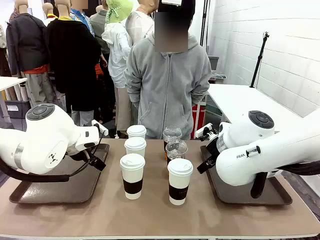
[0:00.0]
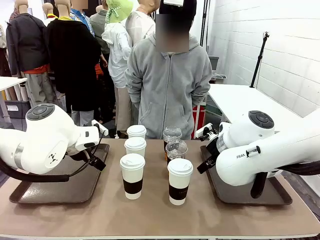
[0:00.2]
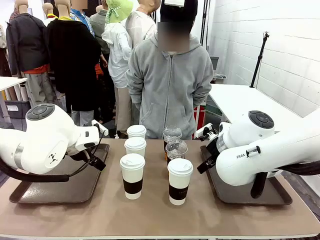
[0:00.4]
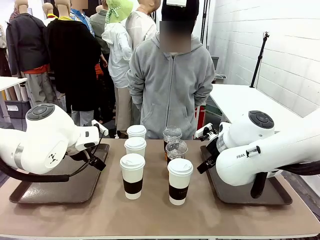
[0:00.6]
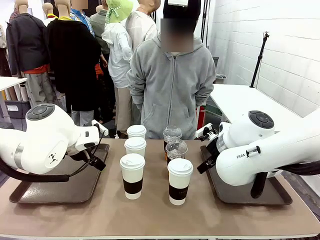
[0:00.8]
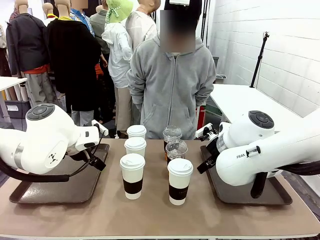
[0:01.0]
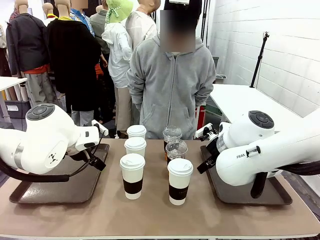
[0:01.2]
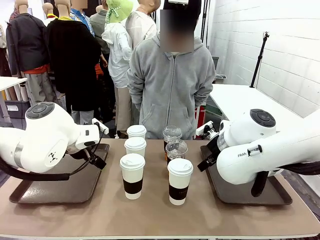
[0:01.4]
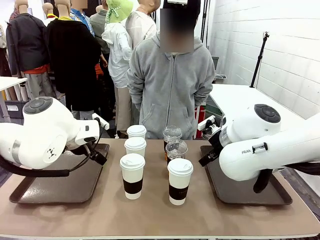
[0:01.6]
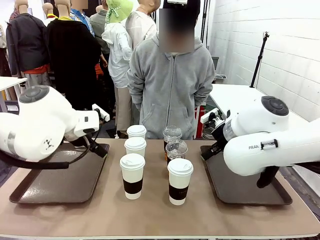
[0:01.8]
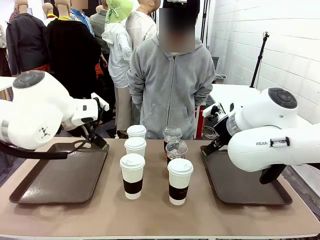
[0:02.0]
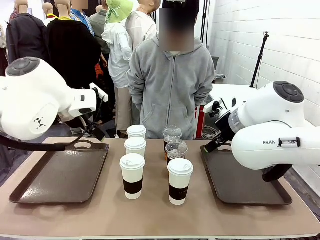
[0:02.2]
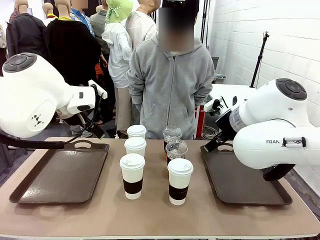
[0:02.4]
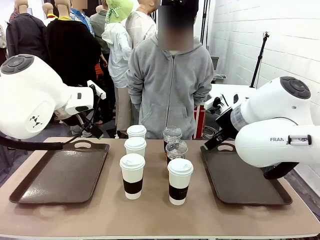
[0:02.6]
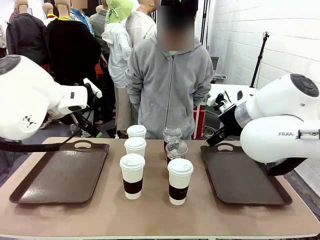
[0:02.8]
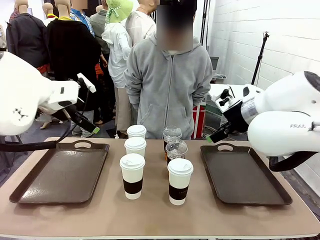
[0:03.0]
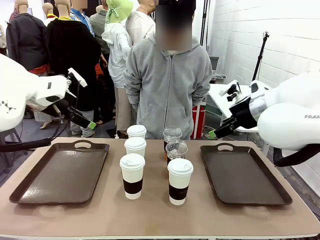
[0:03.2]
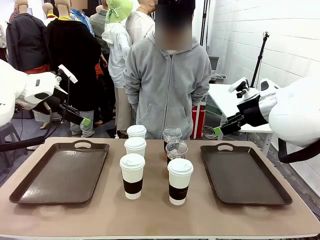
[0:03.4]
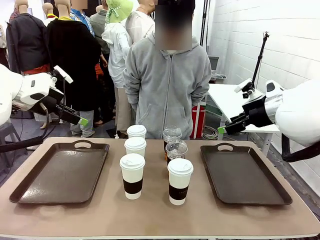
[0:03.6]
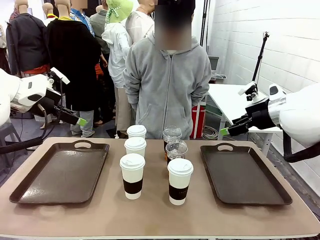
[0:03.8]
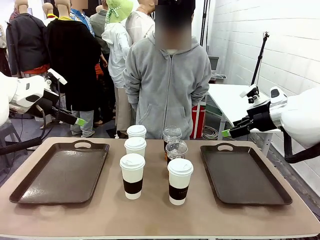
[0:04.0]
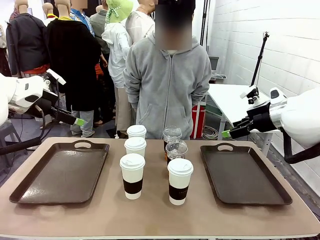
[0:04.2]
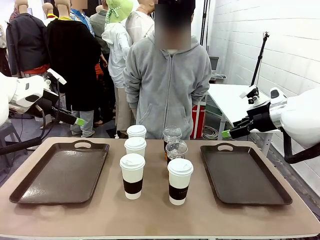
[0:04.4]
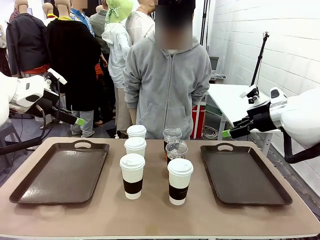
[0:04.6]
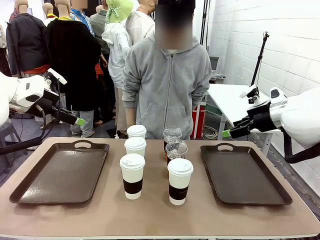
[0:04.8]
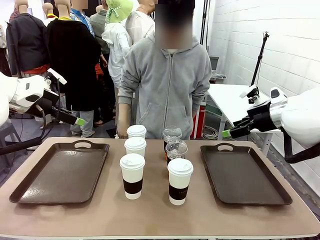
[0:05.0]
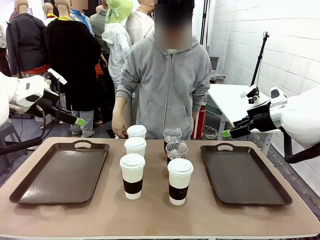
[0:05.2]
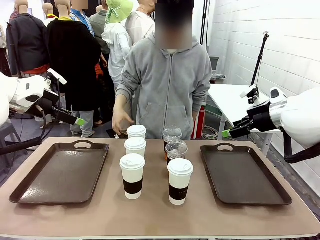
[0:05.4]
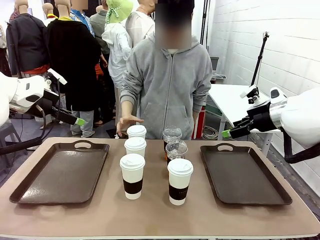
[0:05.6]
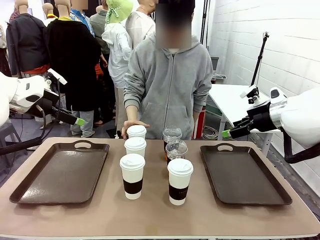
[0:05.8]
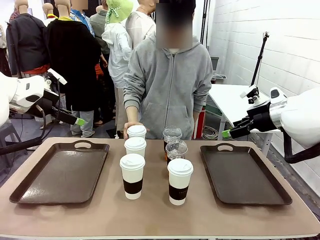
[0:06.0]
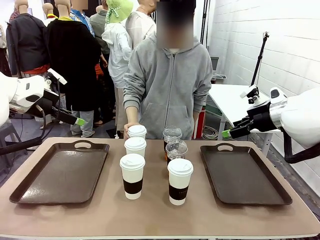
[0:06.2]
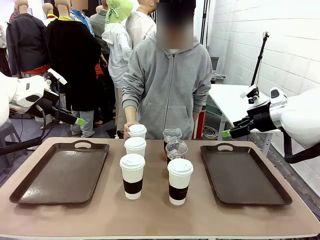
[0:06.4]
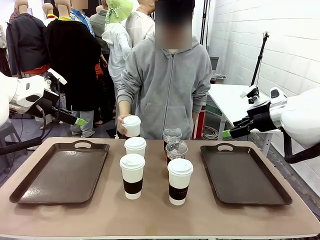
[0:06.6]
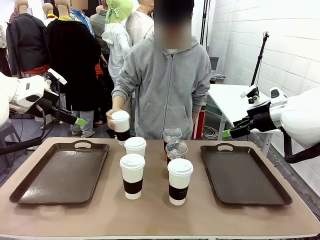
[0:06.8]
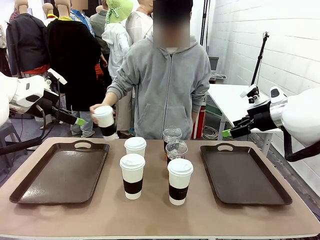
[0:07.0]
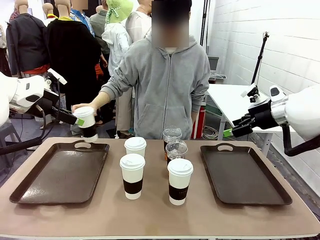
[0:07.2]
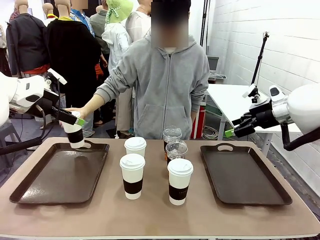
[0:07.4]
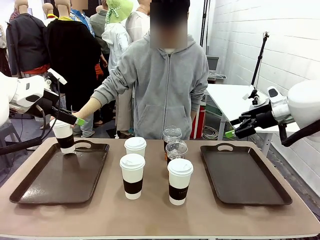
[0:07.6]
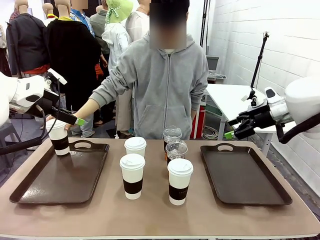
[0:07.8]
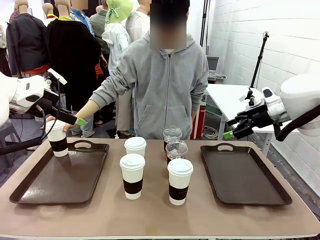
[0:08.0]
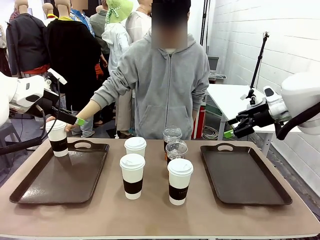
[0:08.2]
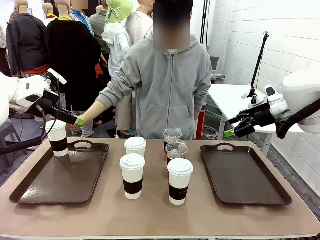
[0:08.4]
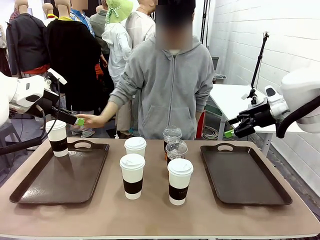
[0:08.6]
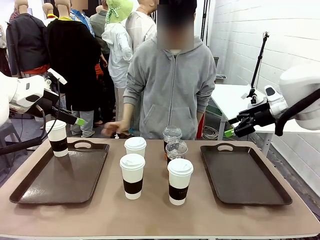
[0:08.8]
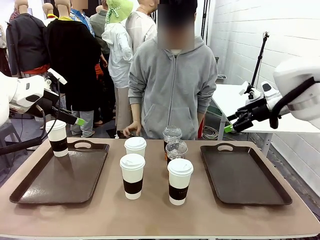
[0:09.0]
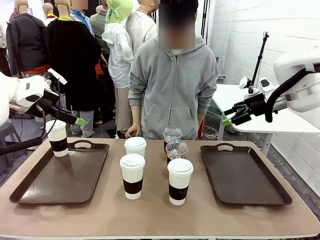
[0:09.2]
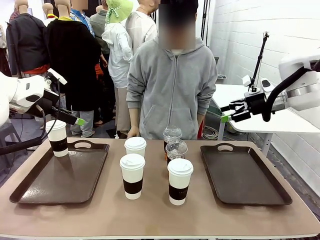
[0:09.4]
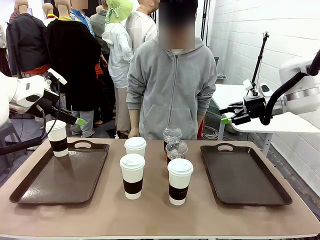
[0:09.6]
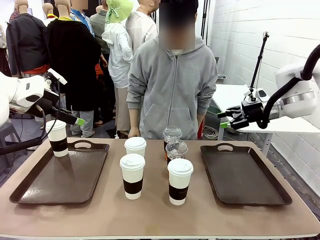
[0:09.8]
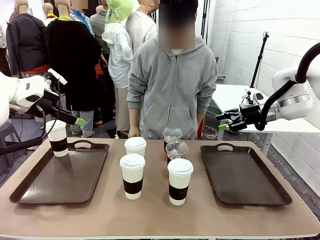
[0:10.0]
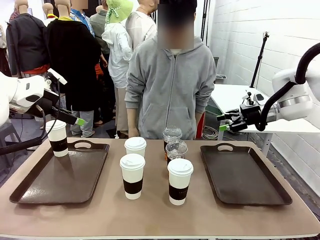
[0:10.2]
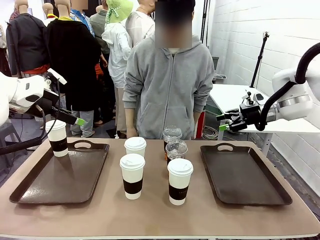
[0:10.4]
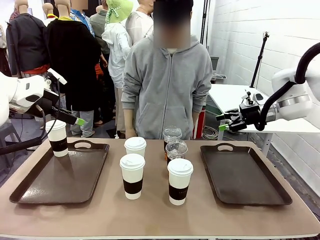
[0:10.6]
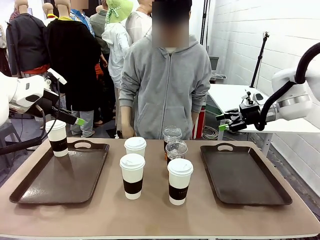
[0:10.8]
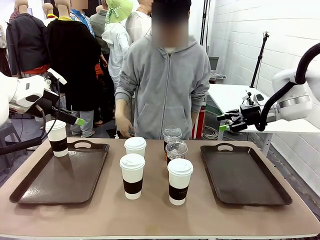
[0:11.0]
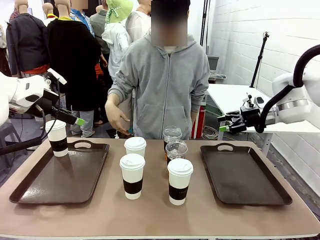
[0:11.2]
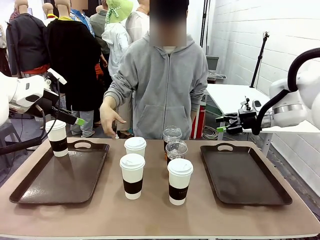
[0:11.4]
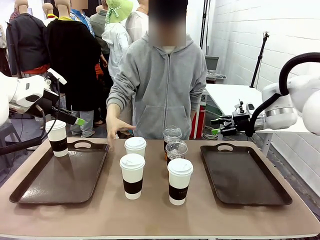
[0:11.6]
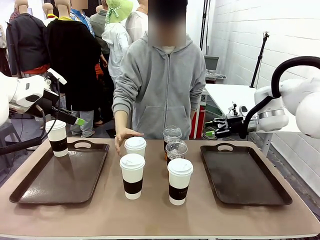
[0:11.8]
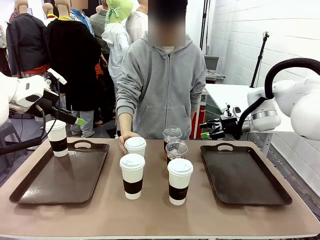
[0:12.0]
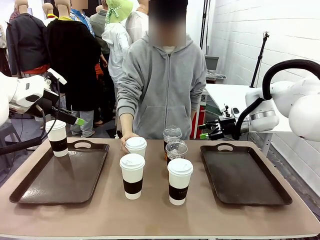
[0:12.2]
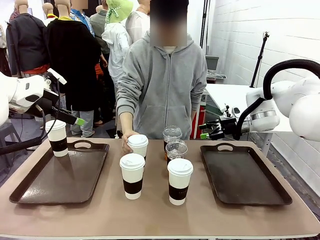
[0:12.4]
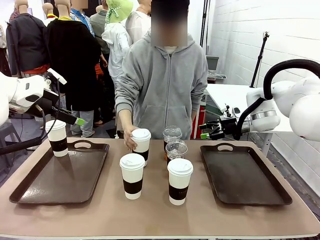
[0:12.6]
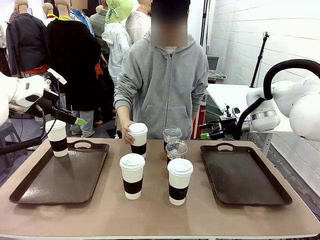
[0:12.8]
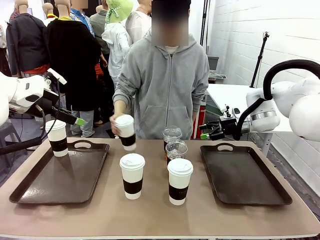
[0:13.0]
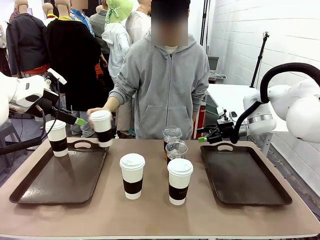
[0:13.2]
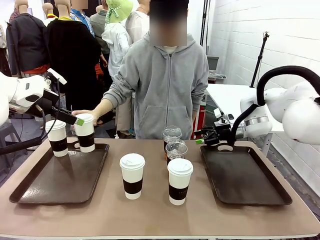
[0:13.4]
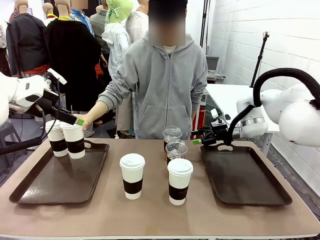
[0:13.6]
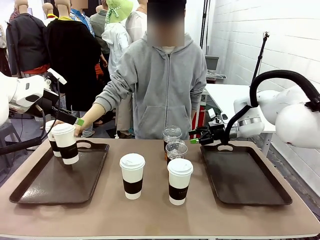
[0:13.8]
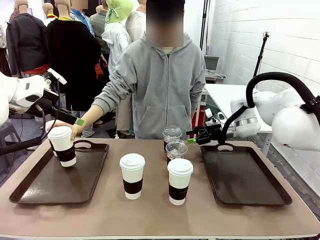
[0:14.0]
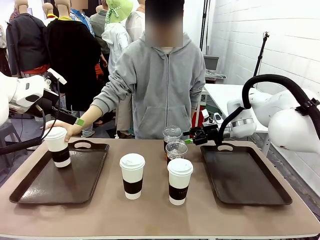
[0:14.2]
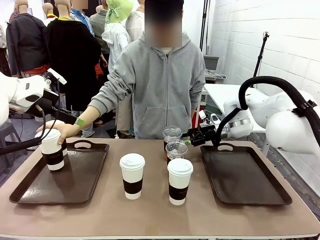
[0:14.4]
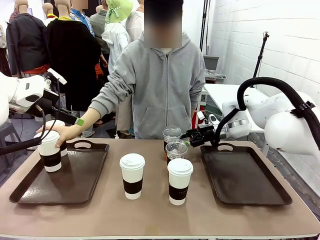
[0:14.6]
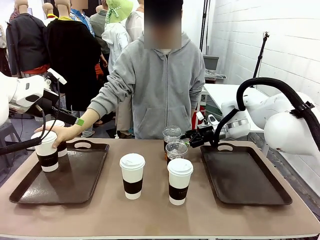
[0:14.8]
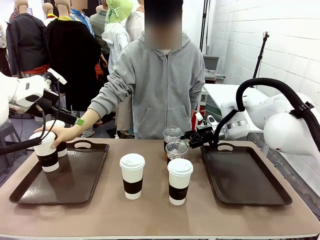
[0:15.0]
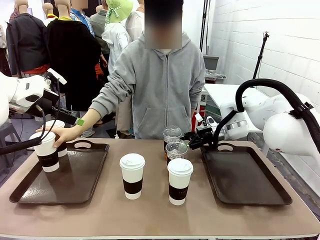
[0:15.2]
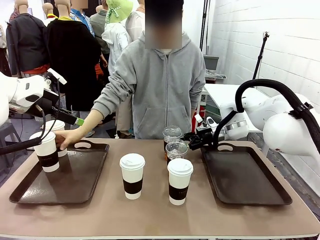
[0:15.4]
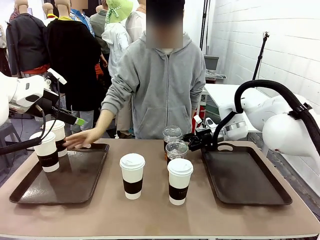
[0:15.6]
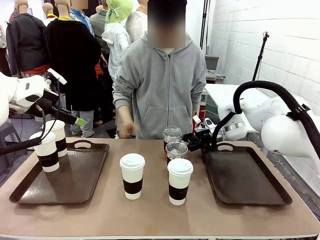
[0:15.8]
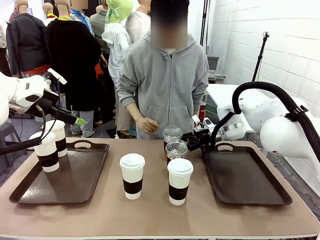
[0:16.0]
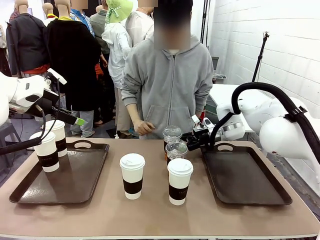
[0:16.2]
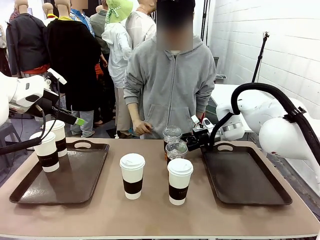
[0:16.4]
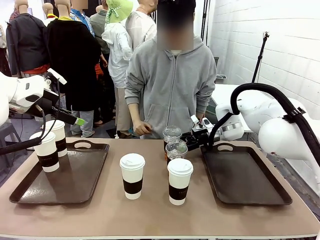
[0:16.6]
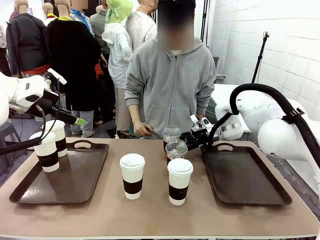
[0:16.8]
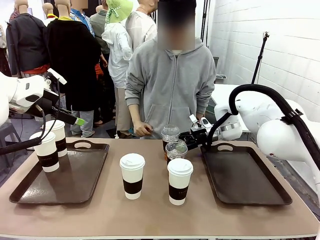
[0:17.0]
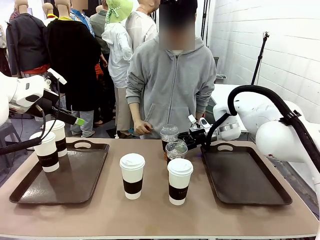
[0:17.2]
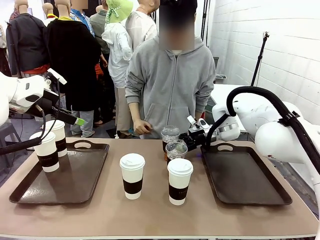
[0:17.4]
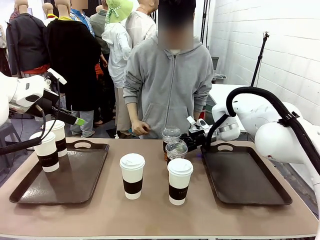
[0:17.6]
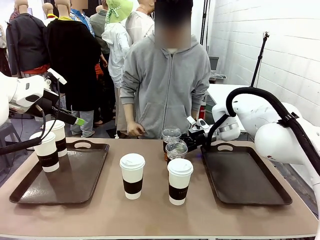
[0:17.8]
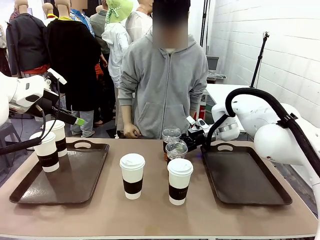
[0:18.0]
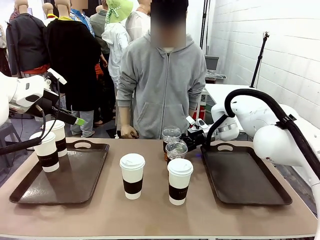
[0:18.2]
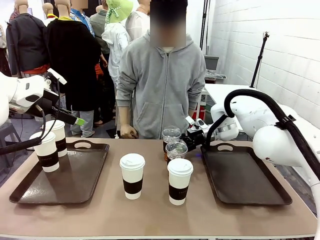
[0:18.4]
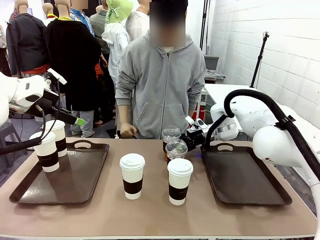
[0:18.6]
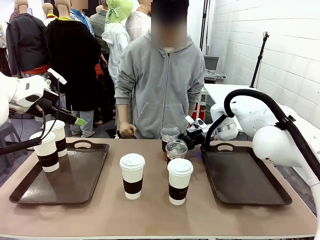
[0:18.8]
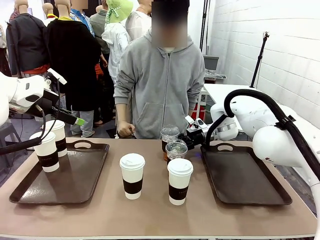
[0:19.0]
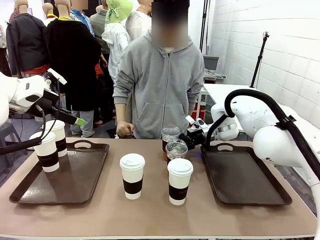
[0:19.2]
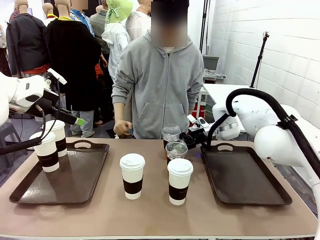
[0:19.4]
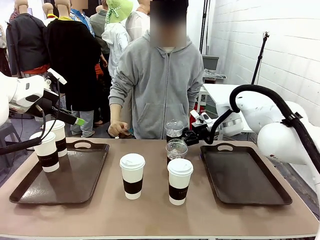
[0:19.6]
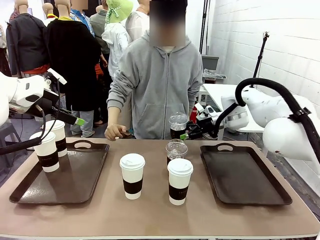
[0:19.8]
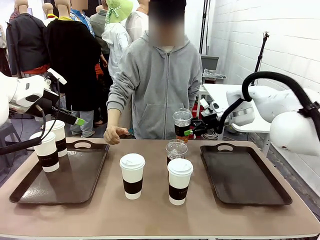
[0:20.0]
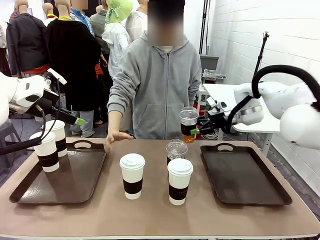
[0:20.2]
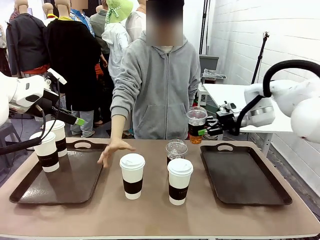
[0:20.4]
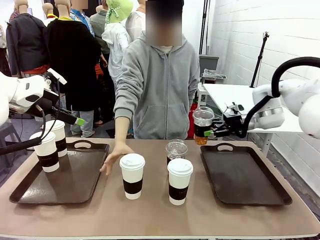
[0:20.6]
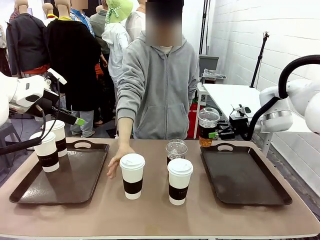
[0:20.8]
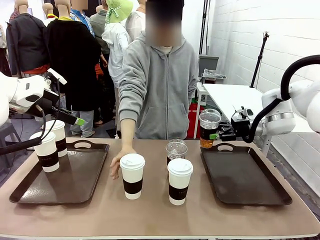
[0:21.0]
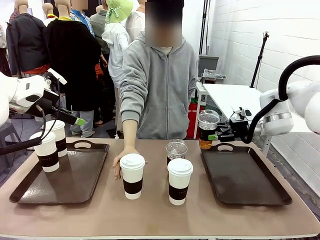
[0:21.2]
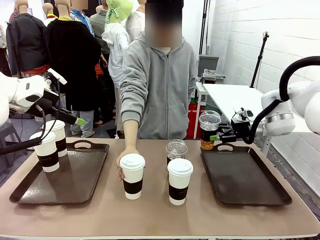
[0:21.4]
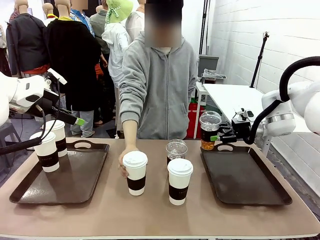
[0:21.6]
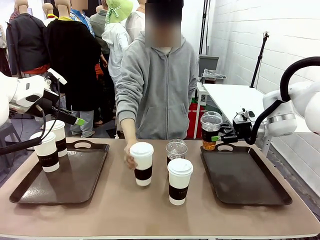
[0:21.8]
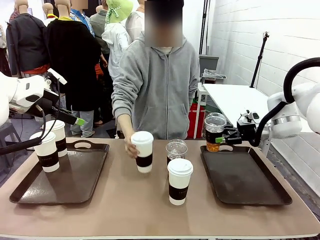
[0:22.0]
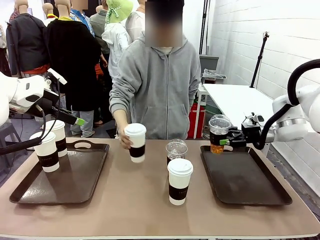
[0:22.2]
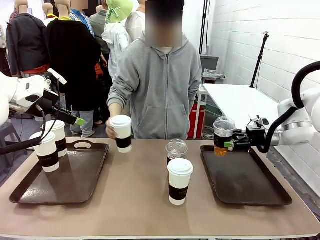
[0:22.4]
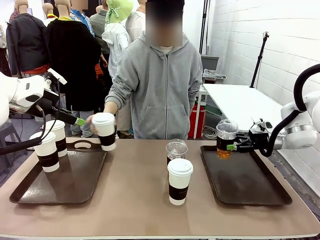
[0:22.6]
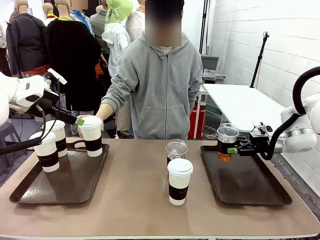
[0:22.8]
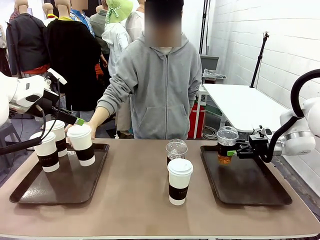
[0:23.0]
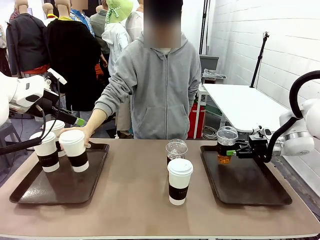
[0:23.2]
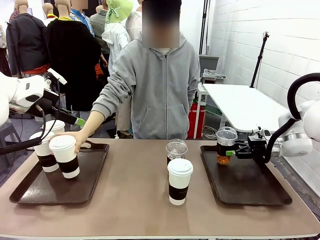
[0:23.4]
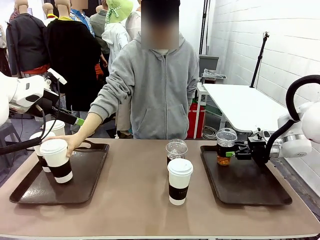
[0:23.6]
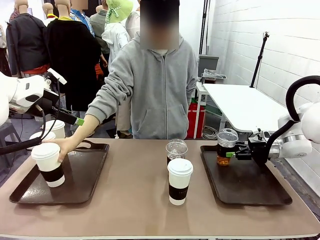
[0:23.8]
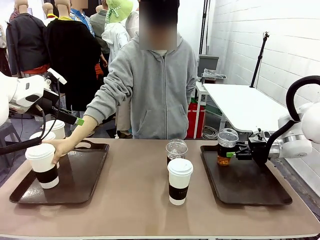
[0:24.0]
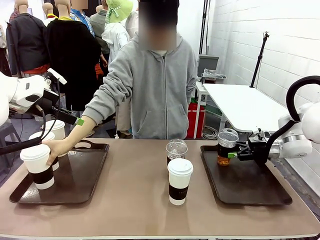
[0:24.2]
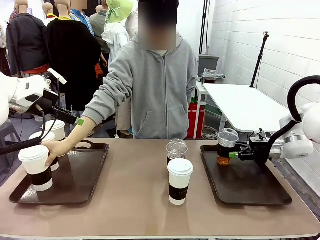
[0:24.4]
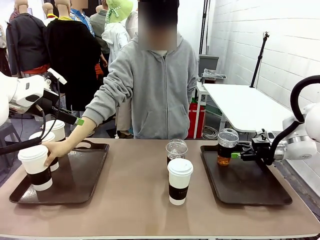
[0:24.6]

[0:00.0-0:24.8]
Task: Distribute the coffee onto the tray.
Robot: Pick up one iced Americano and place it on the right Handle tray.
Person: Pick up a cup of hot Americano and place it on the right tray.
